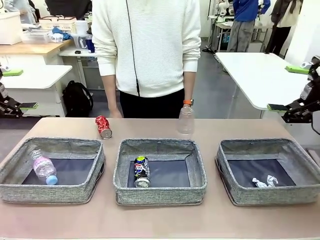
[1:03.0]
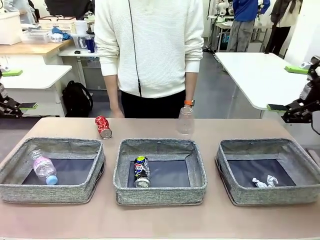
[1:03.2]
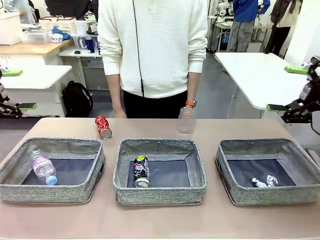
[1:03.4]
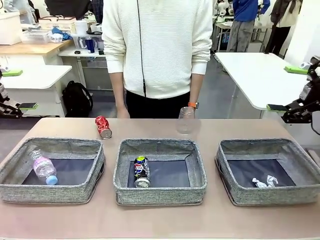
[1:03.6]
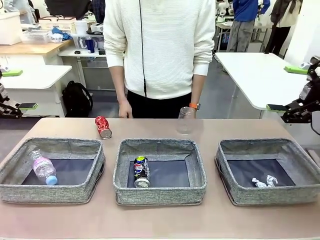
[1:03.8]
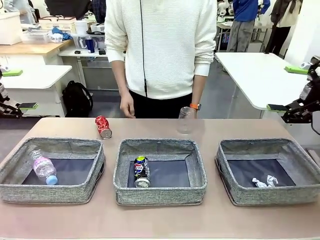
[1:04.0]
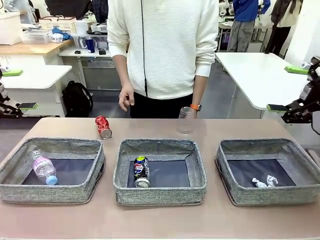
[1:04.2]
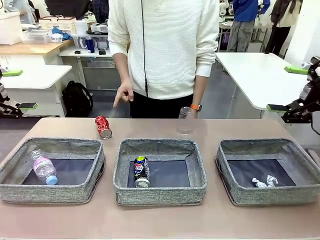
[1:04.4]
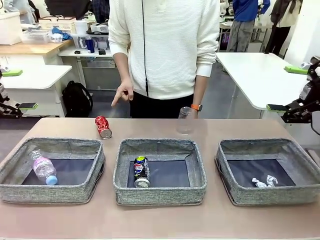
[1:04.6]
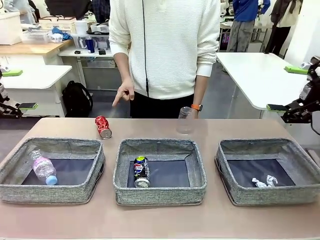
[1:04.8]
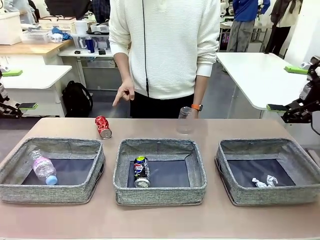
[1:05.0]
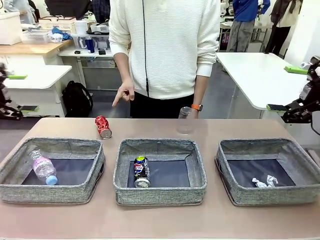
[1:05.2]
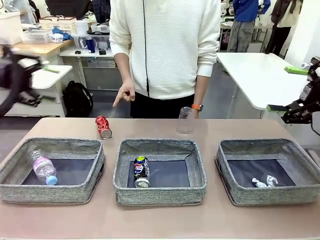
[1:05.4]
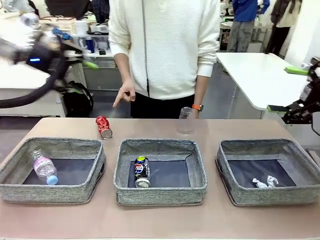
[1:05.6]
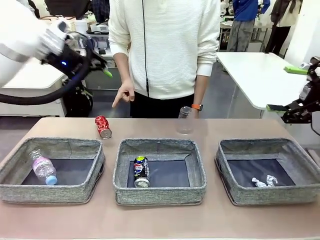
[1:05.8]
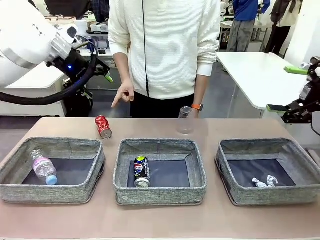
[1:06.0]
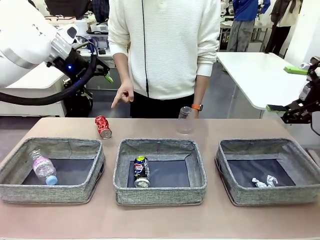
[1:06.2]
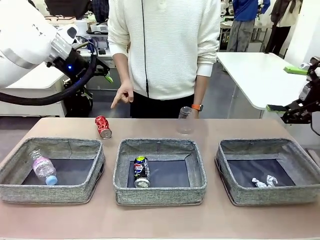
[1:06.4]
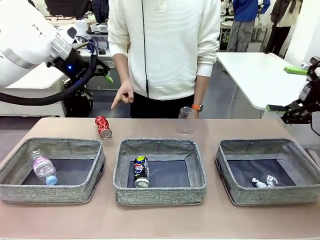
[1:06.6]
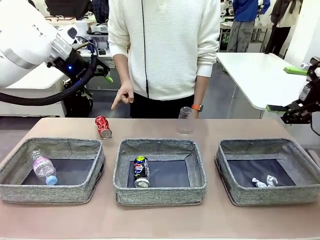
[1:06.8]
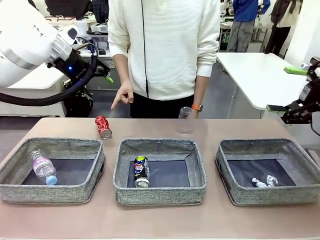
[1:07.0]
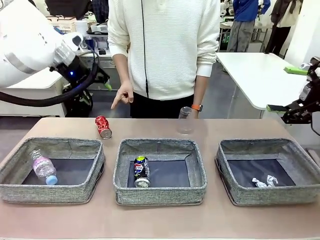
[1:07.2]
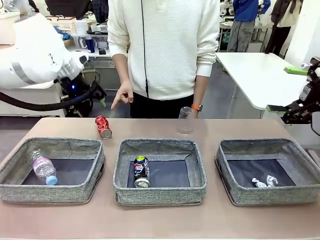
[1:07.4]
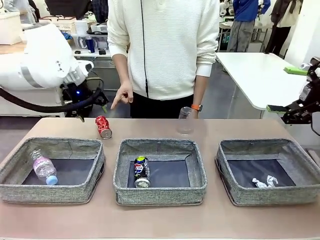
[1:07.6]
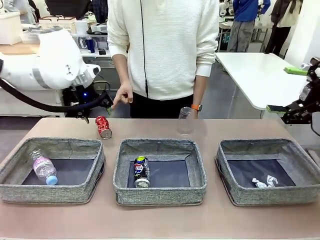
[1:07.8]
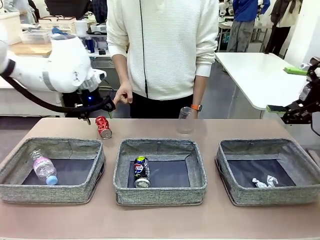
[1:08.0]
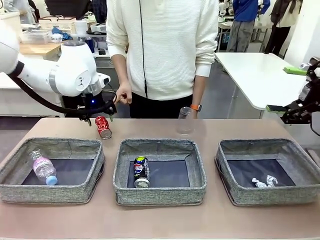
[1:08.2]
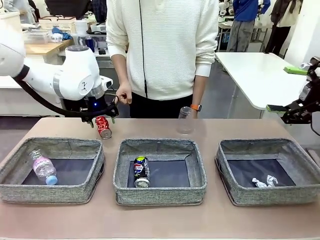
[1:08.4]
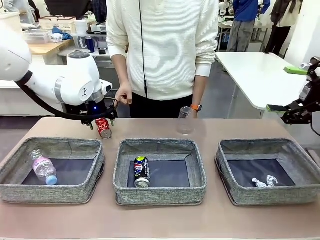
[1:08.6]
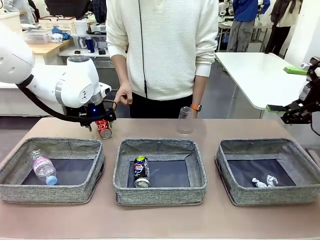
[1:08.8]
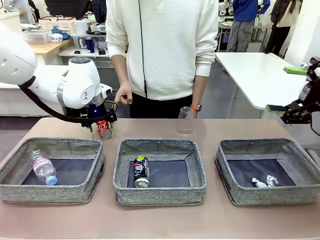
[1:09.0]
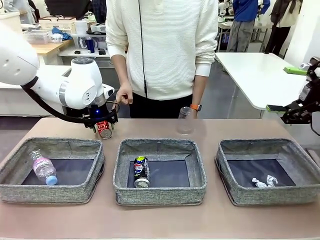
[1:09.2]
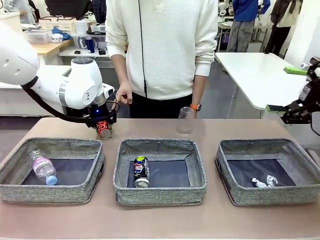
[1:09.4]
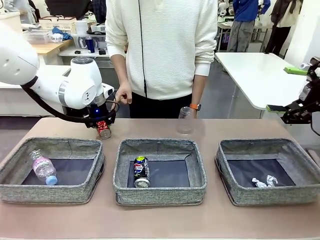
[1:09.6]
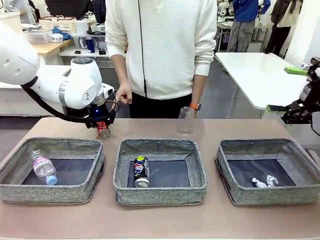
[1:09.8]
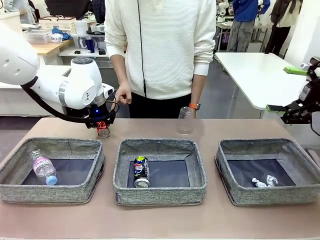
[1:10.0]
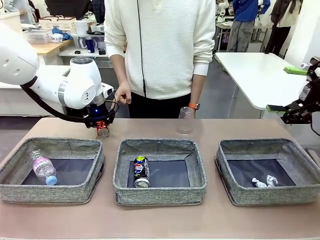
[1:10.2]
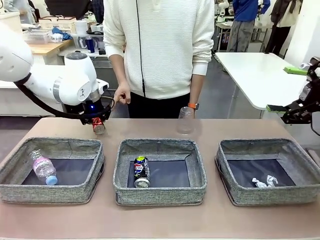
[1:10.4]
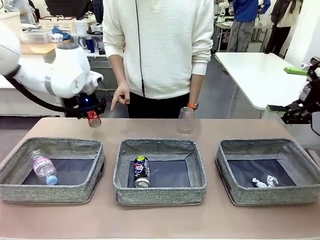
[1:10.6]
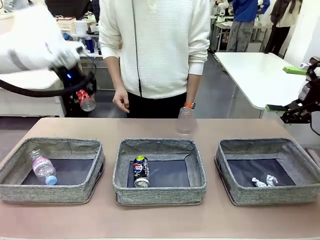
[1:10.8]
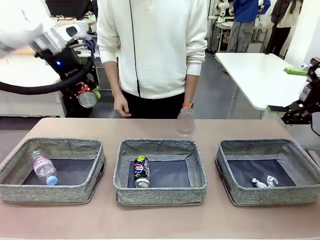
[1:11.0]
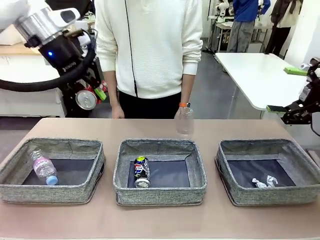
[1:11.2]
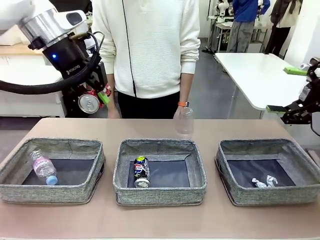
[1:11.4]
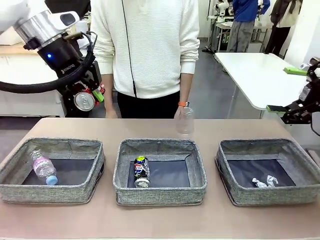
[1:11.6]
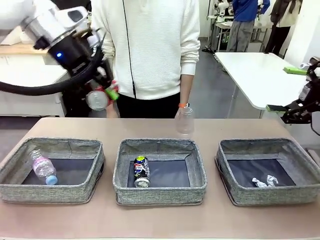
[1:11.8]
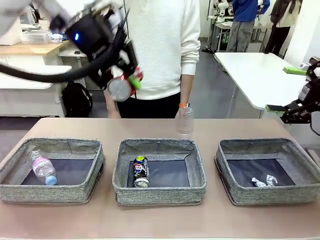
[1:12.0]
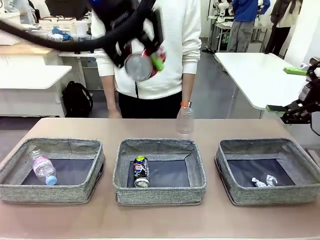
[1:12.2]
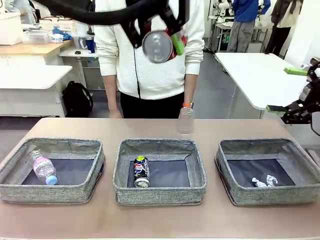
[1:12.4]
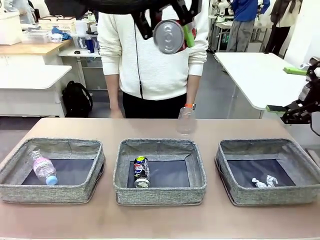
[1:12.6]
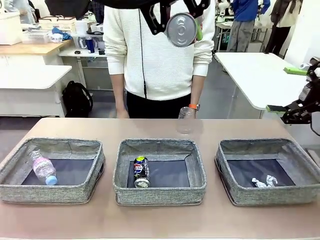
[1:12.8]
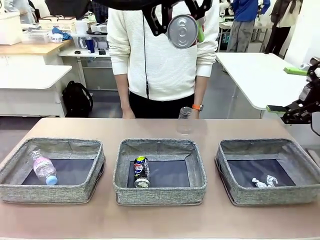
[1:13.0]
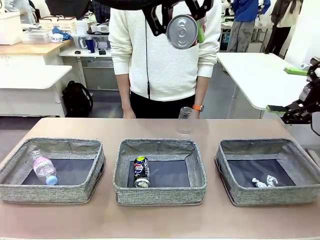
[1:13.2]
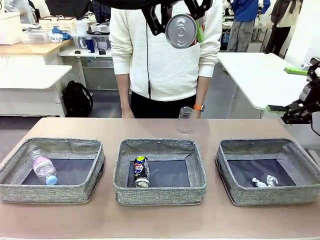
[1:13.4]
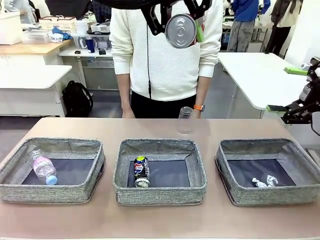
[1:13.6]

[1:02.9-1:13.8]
Task: Sort the waste into the appropriate baskets.
Robot: Pick up the waste item pointed out by the person.
Person: Points to one piece of trash on the table.

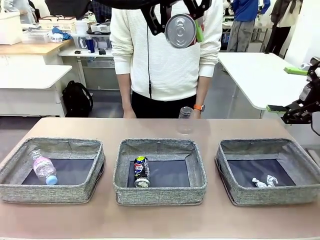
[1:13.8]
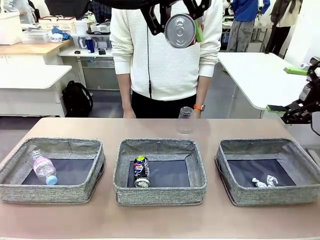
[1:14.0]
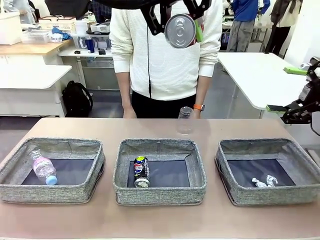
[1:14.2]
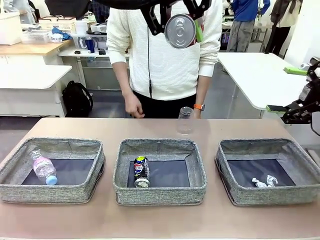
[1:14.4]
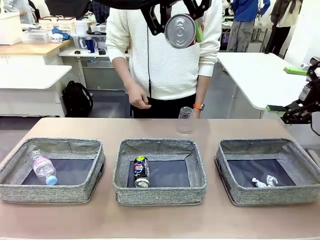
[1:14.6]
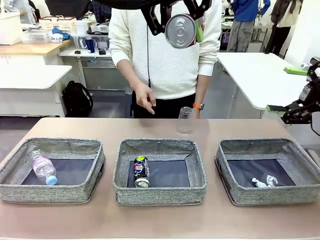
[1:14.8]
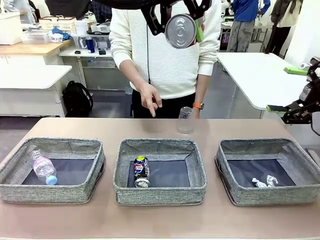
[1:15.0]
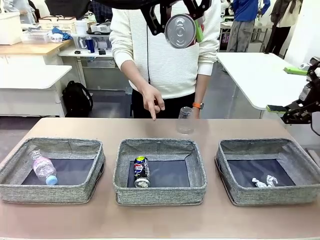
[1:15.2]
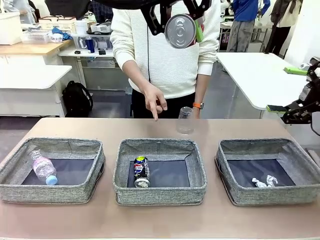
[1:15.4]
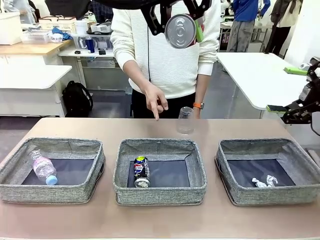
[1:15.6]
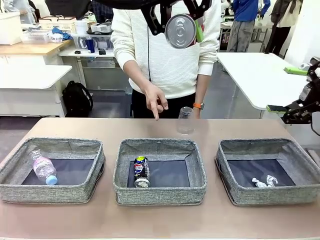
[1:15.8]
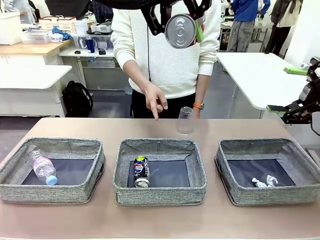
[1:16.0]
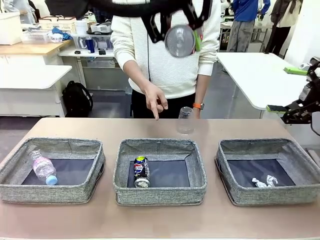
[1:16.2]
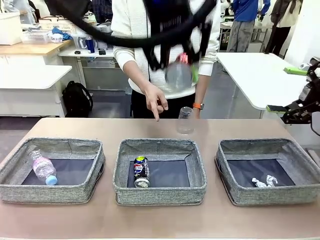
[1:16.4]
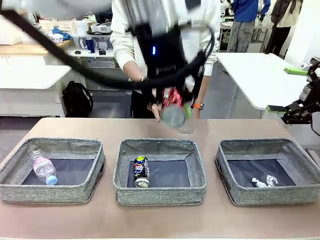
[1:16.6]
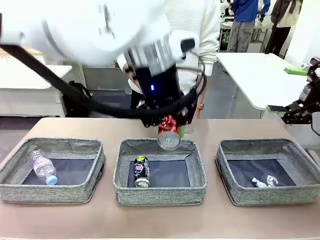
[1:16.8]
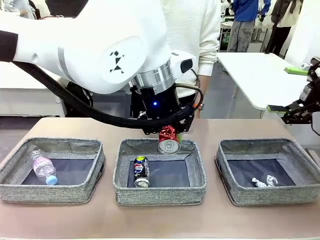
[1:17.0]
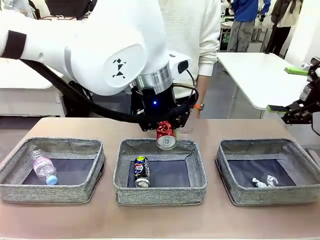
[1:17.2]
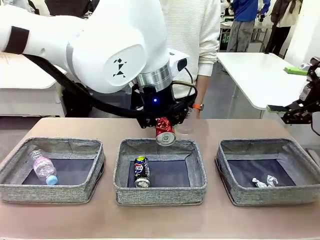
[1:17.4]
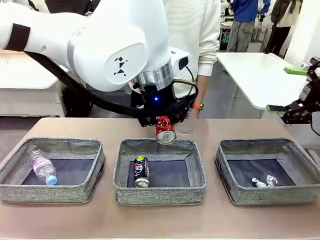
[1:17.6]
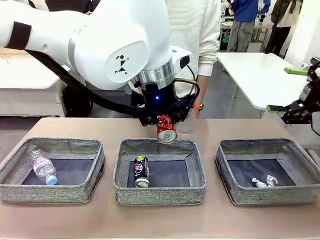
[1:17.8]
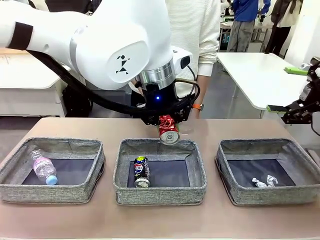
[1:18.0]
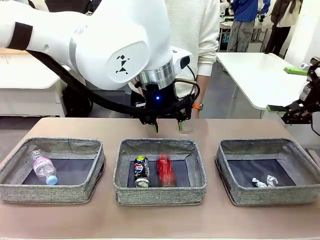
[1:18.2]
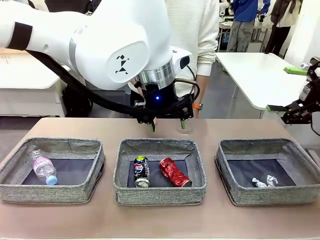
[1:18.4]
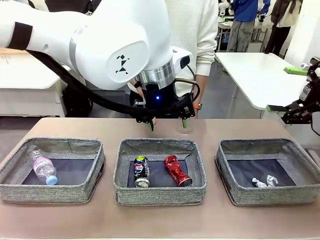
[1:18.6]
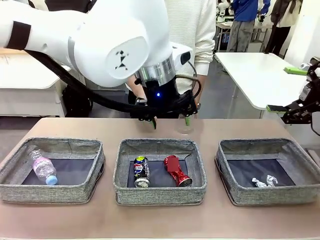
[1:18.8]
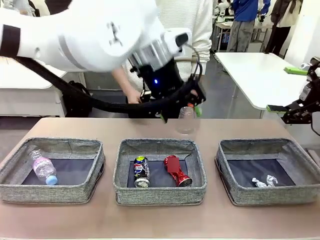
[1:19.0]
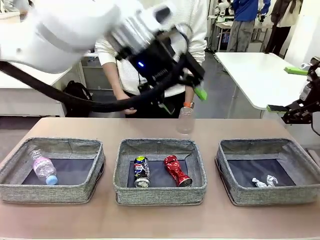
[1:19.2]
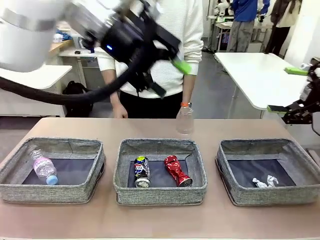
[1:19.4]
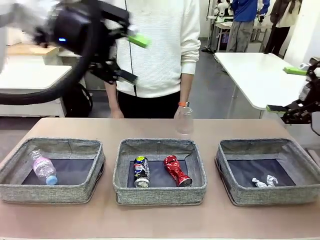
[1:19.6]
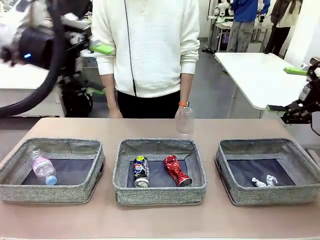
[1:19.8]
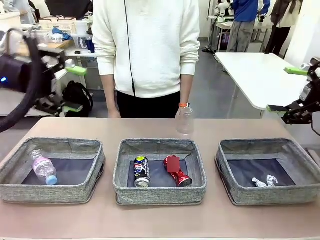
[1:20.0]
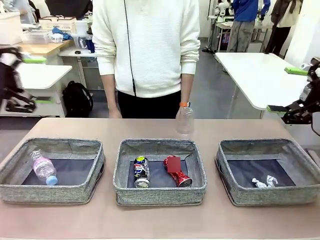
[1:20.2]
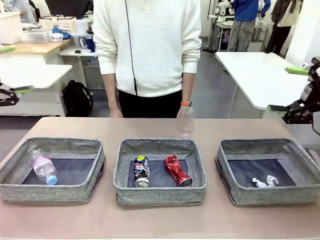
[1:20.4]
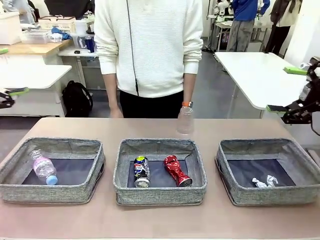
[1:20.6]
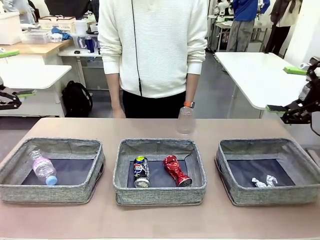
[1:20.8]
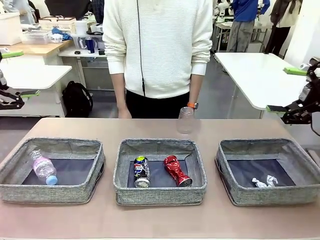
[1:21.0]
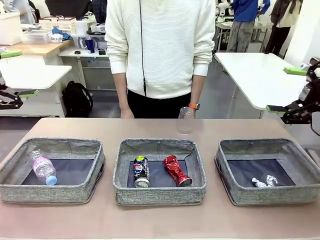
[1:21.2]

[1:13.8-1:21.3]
Robot: Place the picked waste into the Fabric basket indicated by the person.
Person: Instructs the robot to place the picked-up trash into the appropriate organizing basket.
